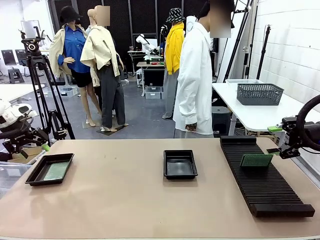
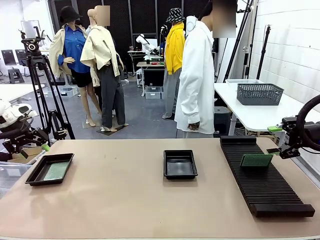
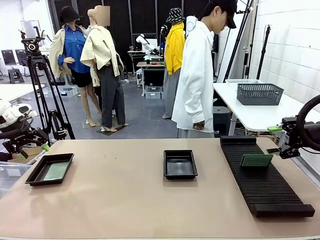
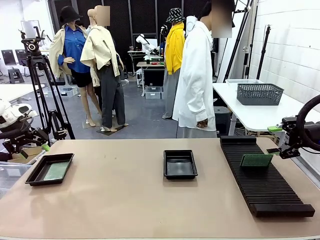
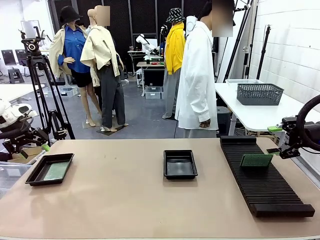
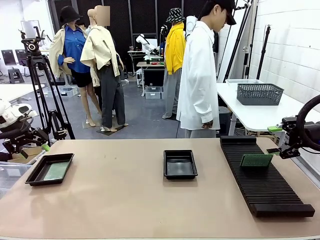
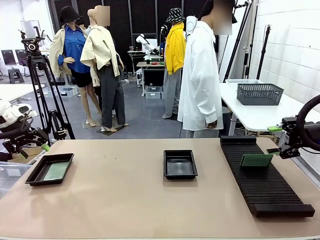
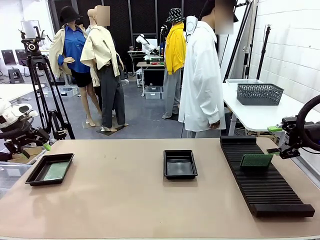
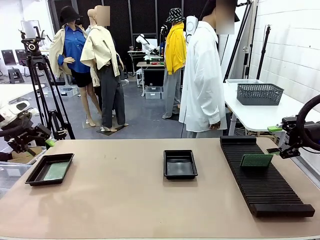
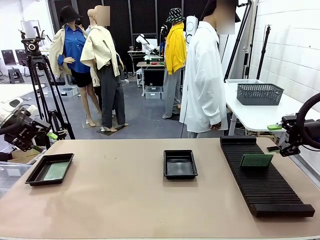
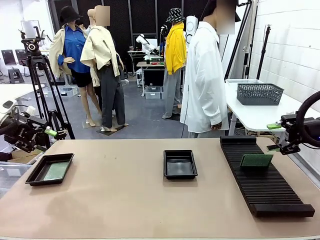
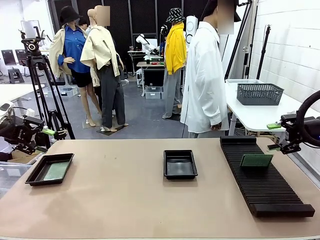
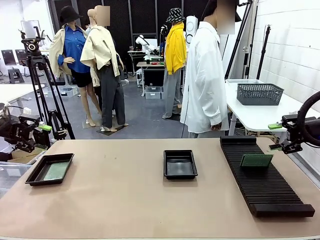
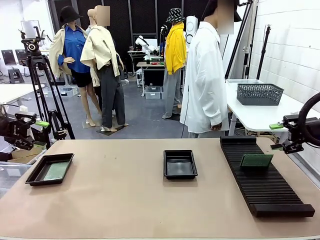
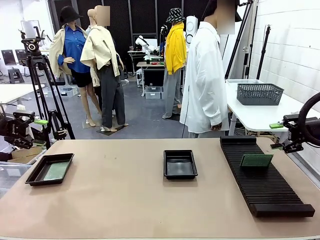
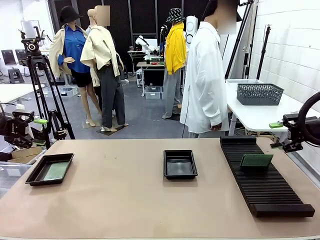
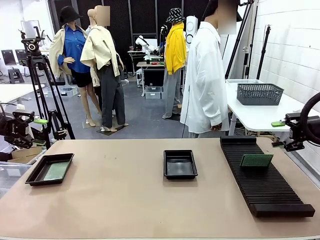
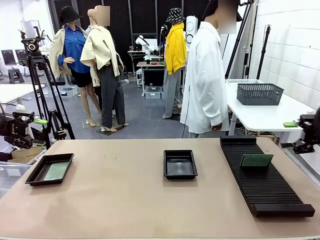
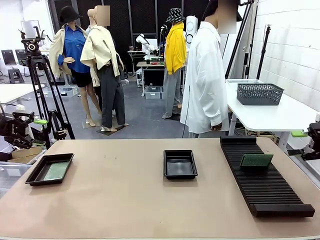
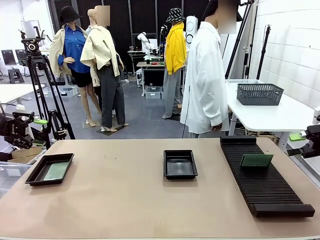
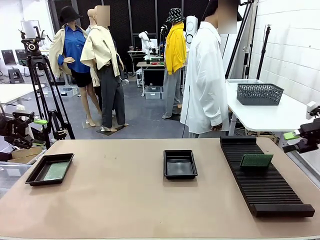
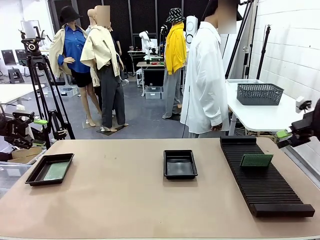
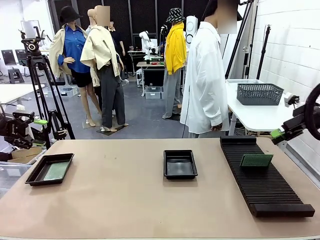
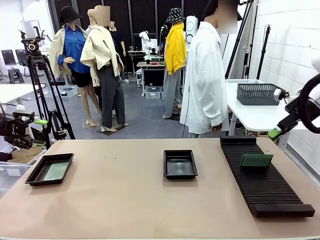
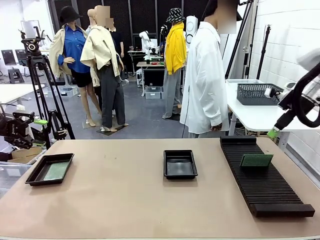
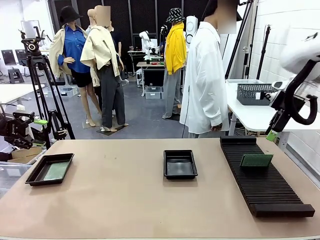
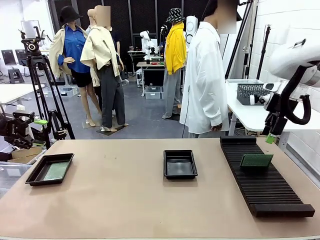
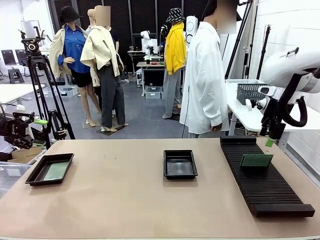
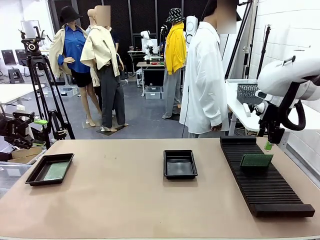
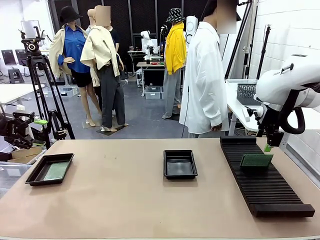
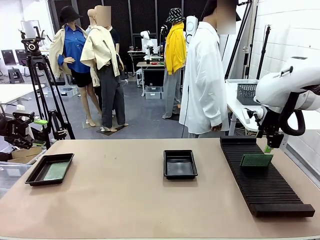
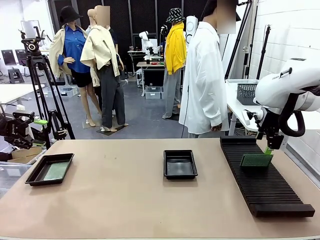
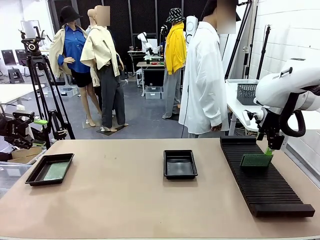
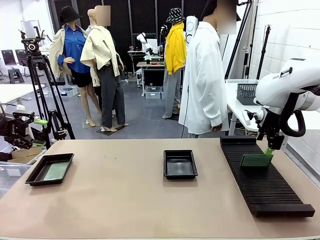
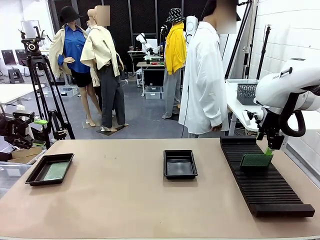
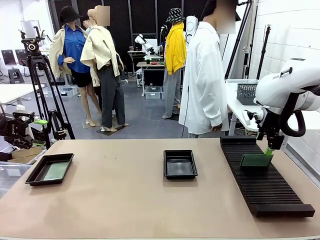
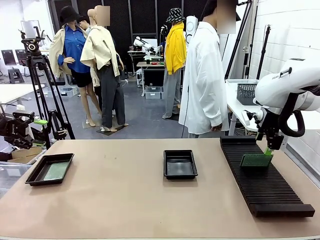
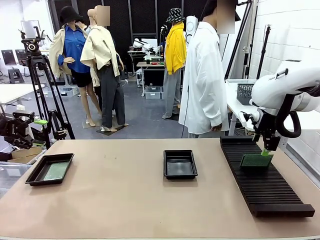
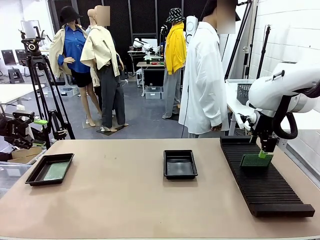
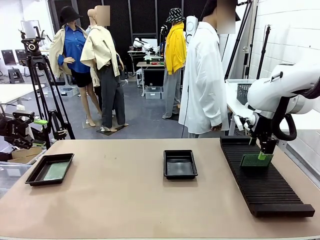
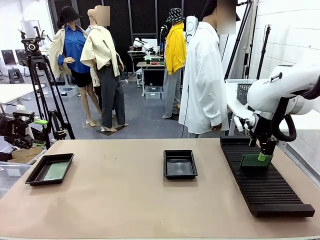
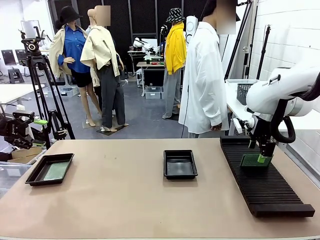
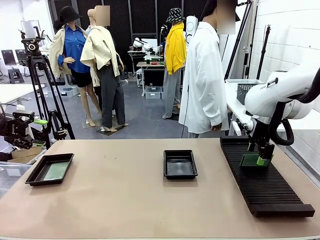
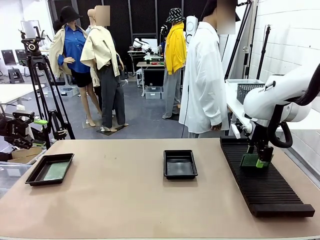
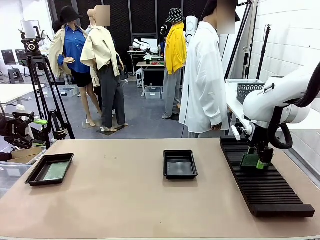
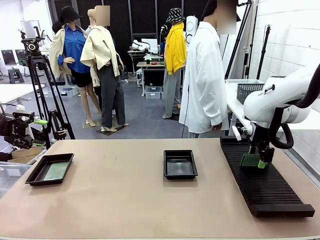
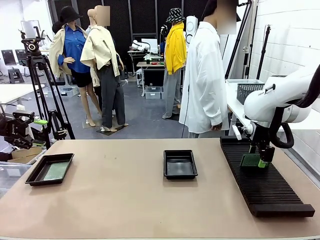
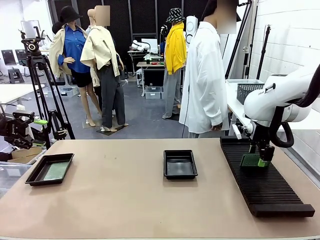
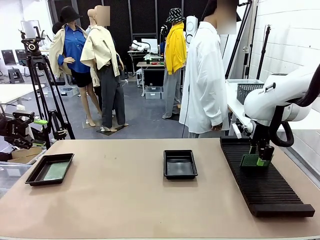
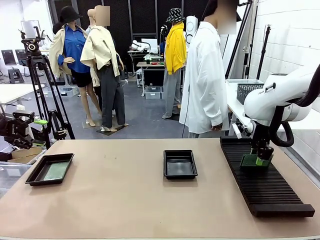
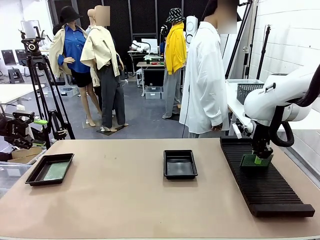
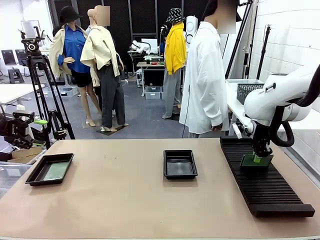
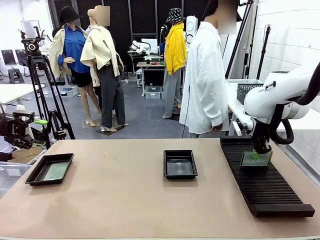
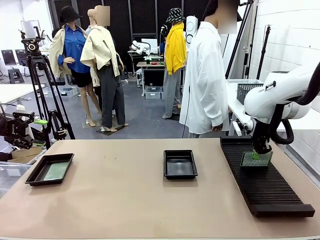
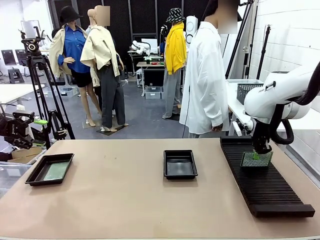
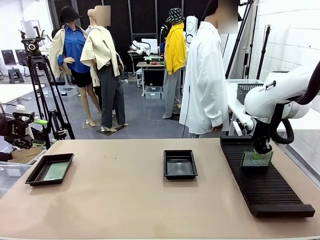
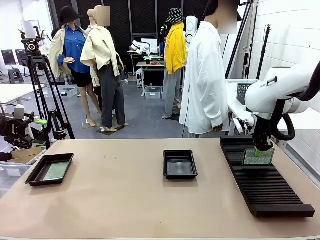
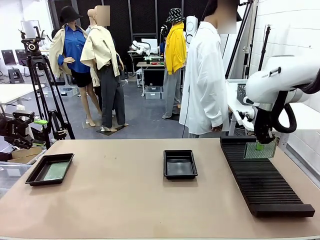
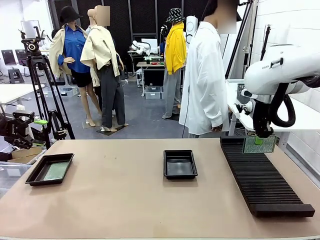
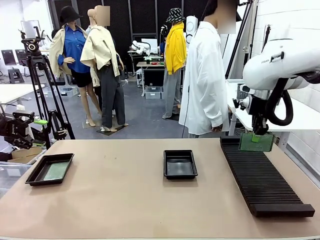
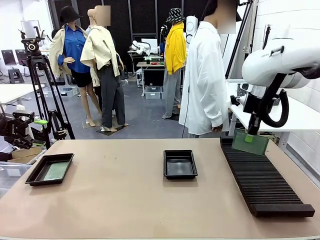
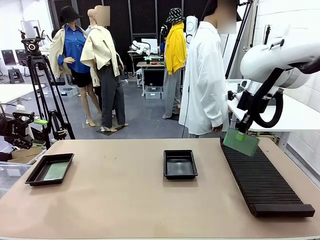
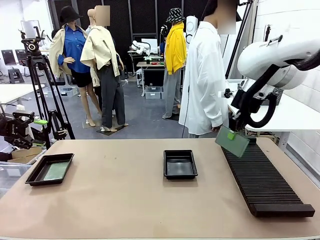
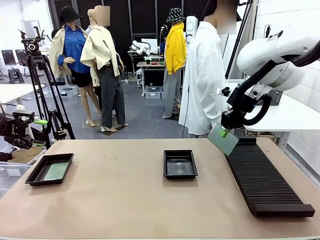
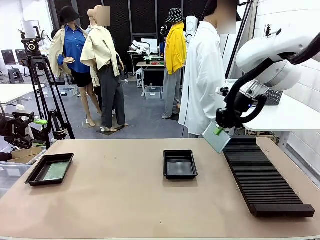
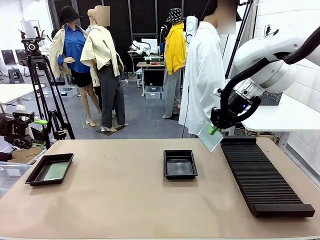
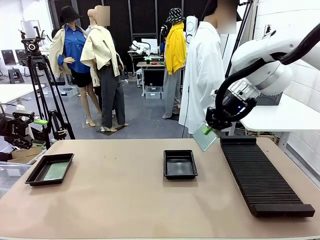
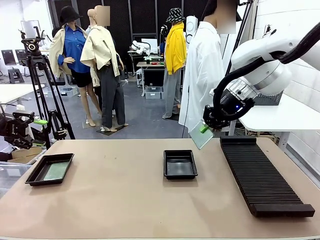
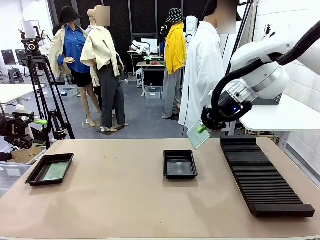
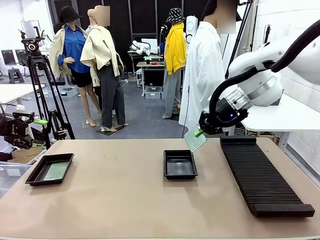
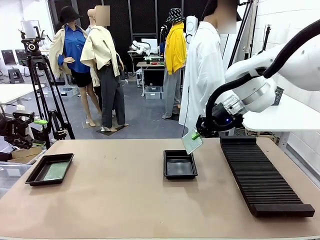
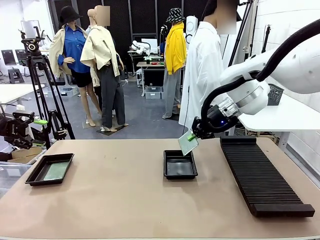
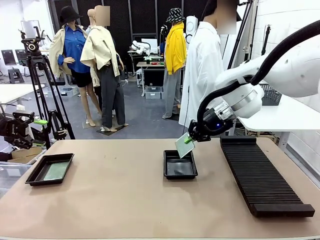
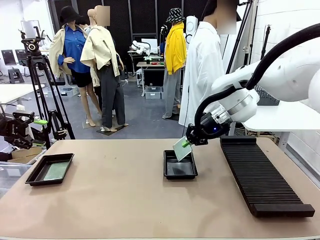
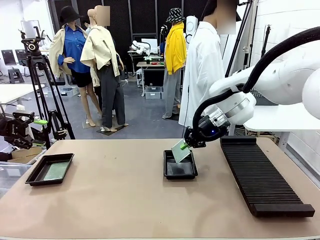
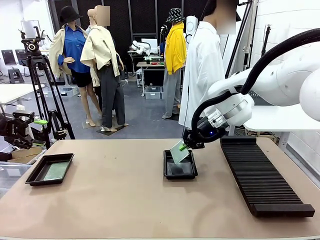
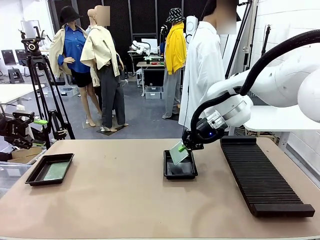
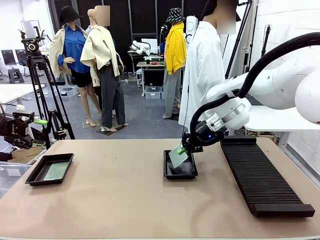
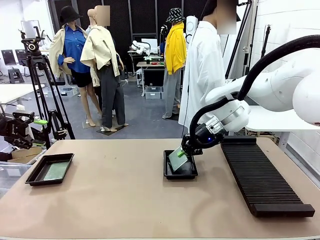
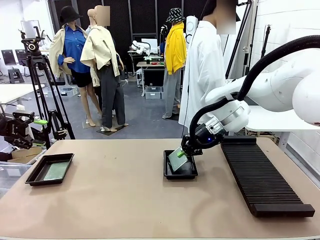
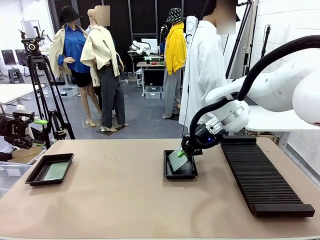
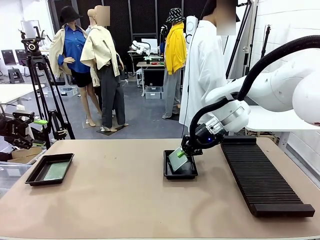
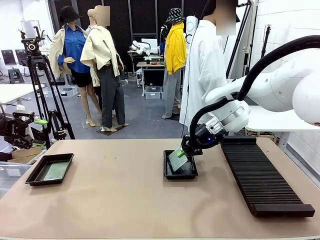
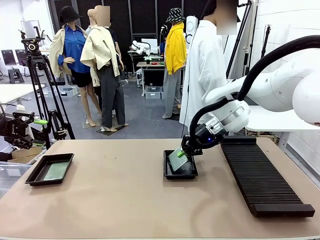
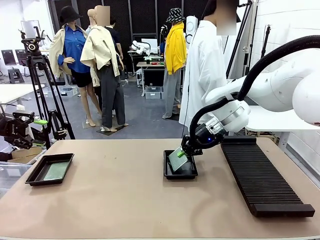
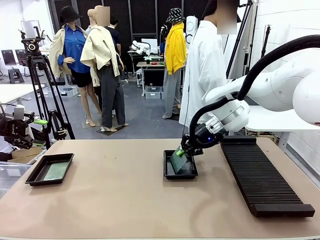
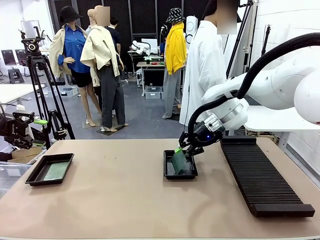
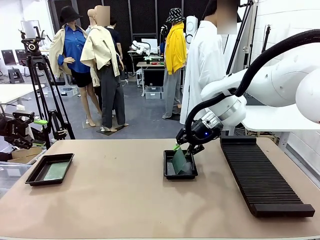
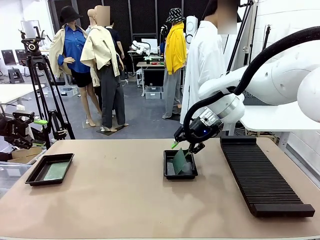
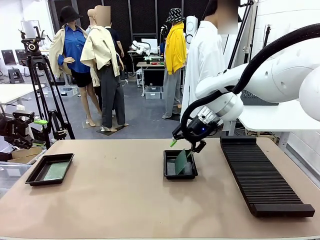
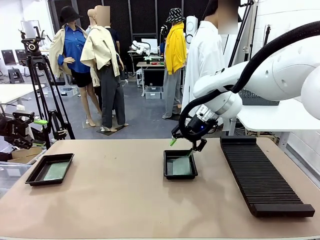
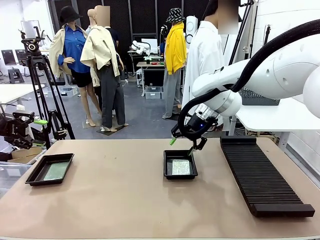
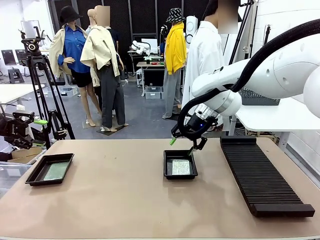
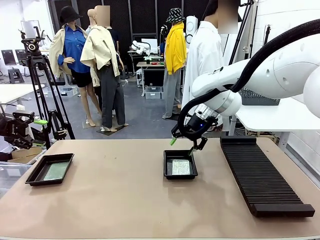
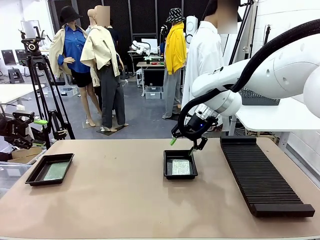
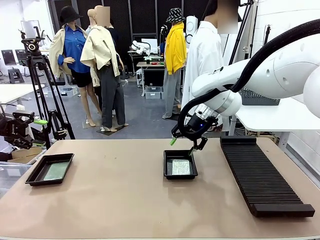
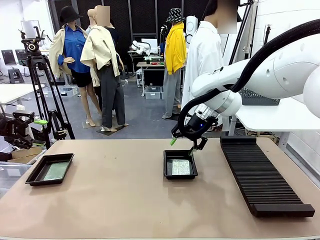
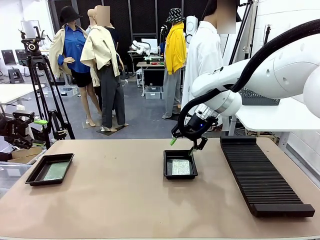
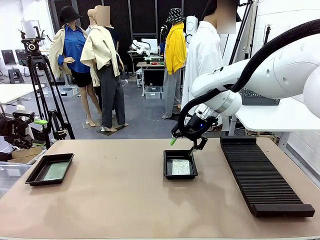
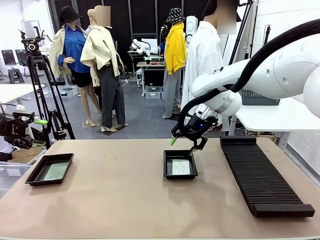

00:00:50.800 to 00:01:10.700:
Task: Inspect and transfer BCBs to ESD trays.
Robot: Pick up the Blank PCB from the PCB Rack and place it in the right ESD tray.
